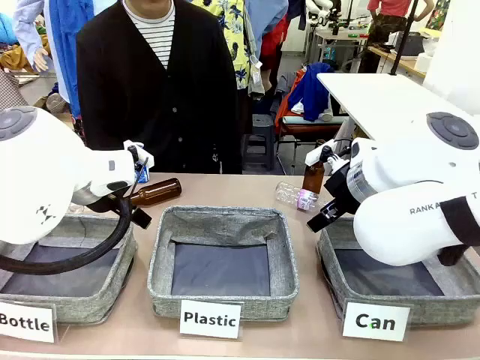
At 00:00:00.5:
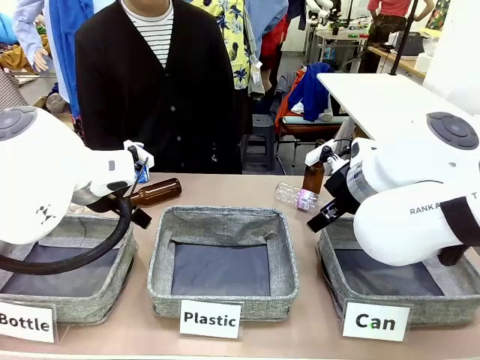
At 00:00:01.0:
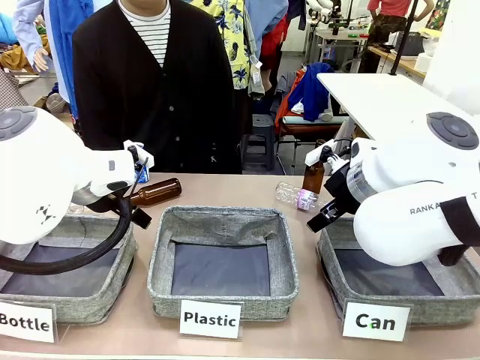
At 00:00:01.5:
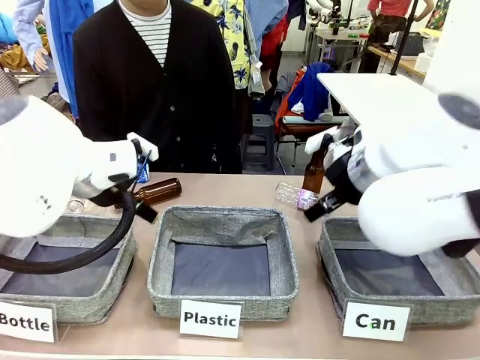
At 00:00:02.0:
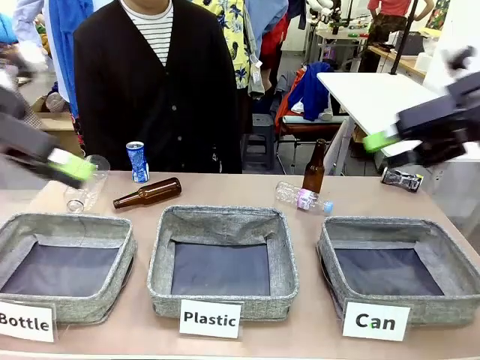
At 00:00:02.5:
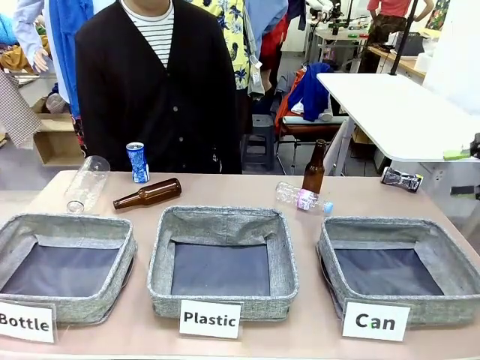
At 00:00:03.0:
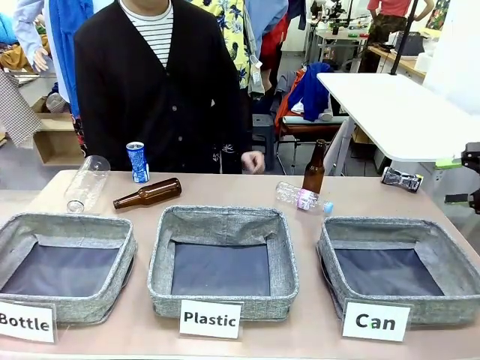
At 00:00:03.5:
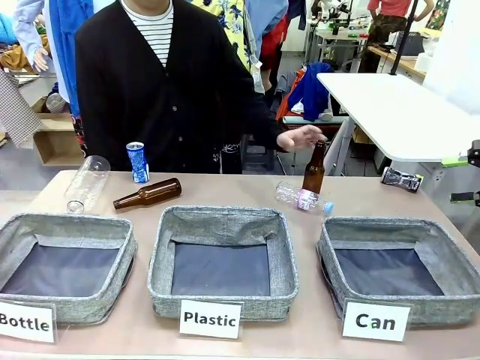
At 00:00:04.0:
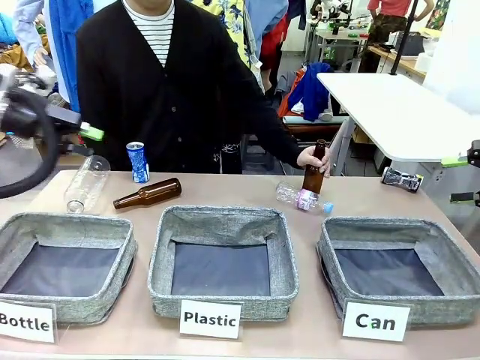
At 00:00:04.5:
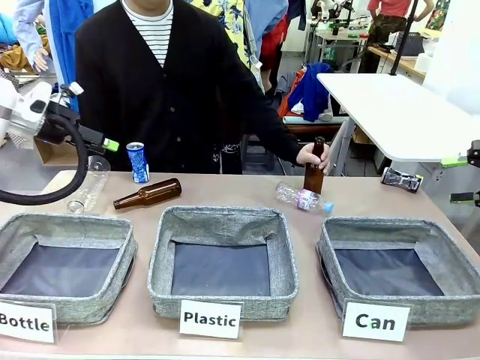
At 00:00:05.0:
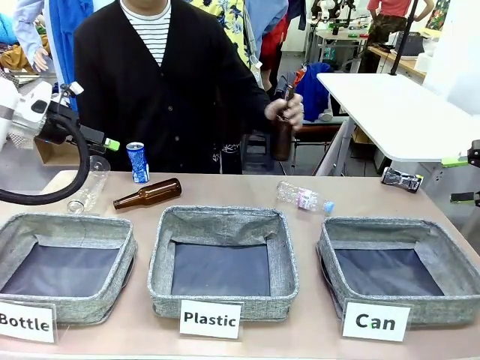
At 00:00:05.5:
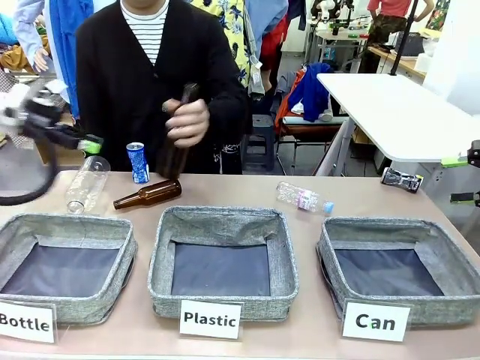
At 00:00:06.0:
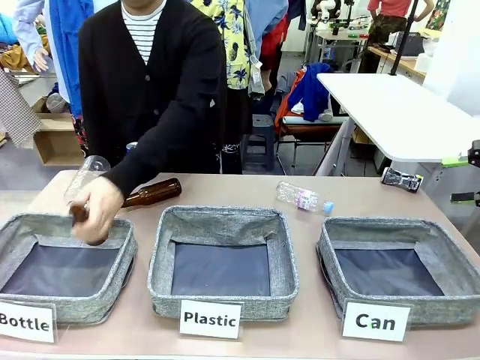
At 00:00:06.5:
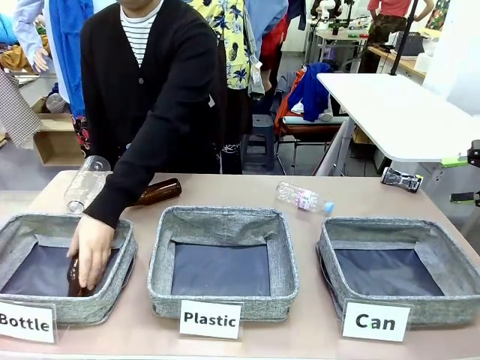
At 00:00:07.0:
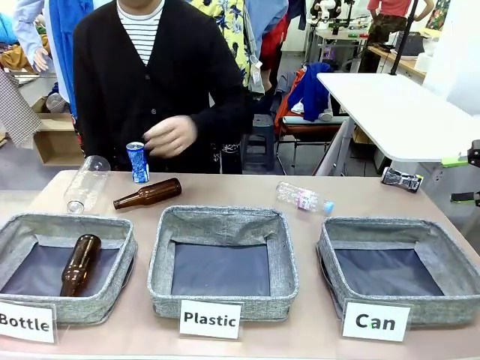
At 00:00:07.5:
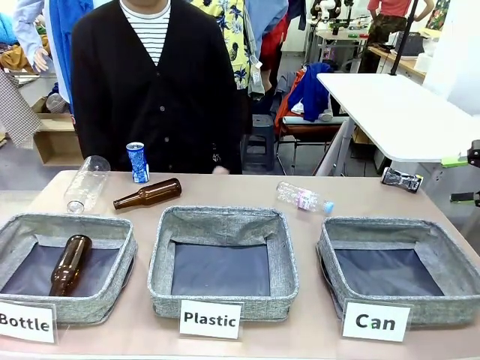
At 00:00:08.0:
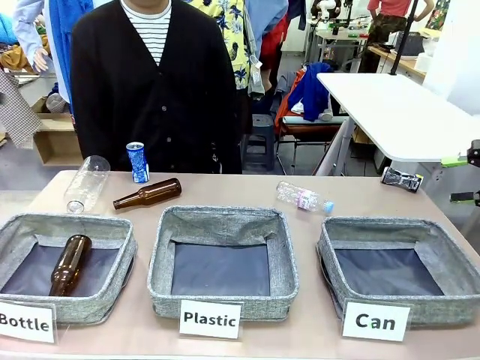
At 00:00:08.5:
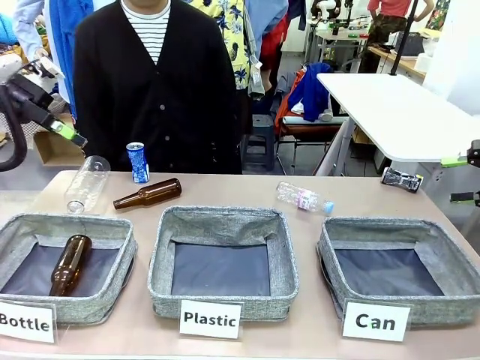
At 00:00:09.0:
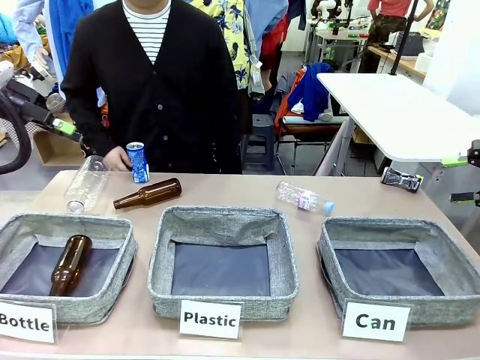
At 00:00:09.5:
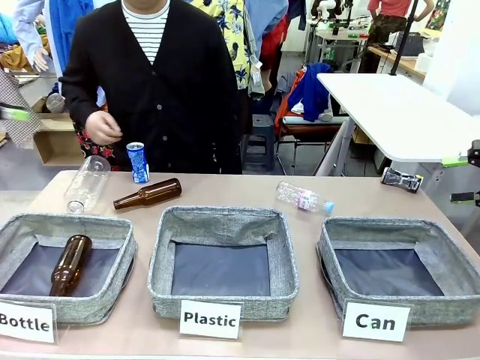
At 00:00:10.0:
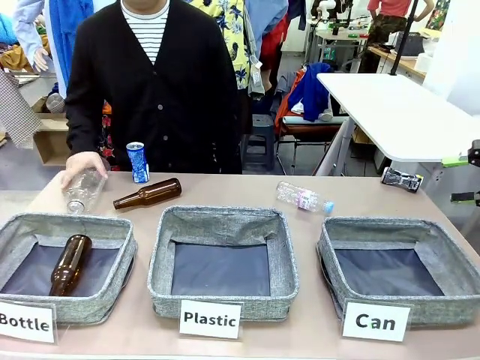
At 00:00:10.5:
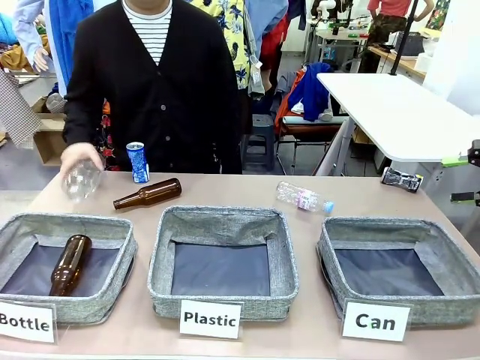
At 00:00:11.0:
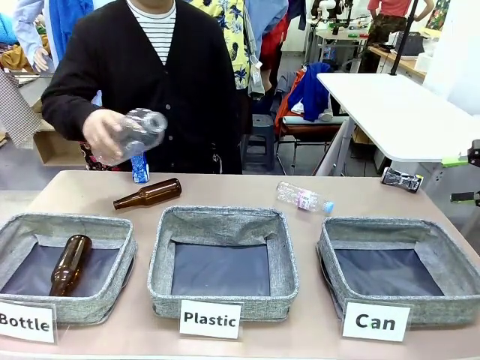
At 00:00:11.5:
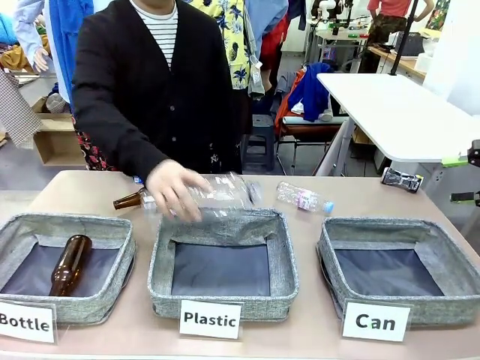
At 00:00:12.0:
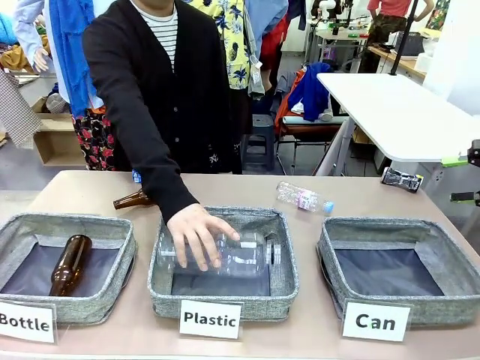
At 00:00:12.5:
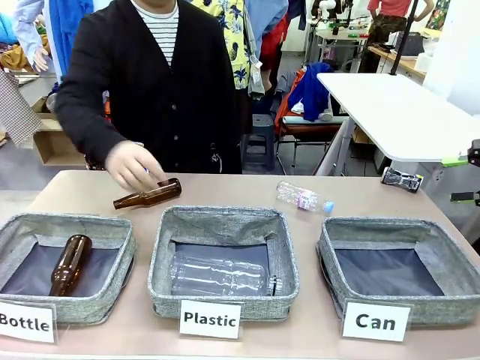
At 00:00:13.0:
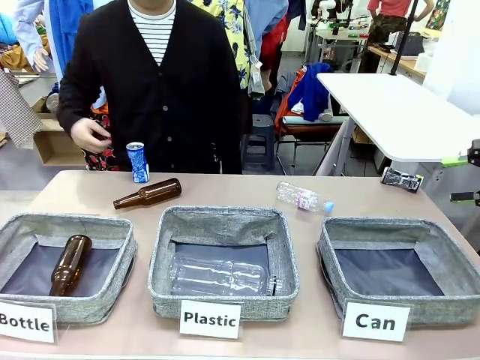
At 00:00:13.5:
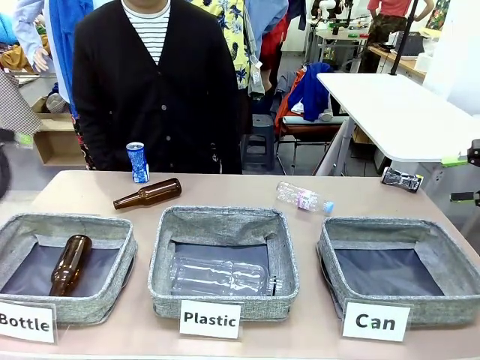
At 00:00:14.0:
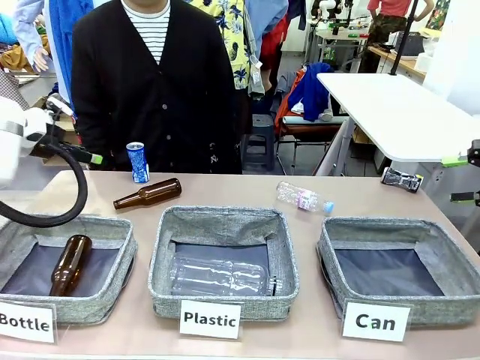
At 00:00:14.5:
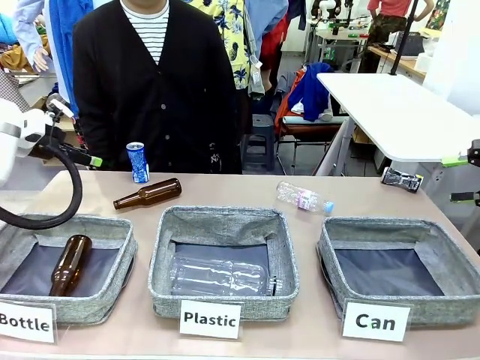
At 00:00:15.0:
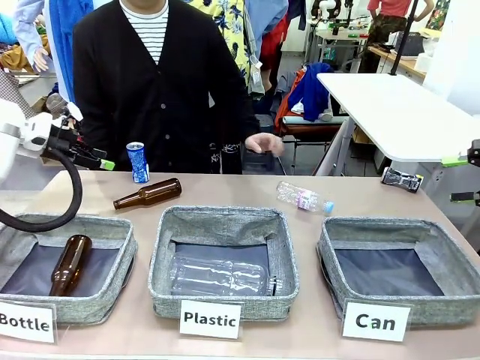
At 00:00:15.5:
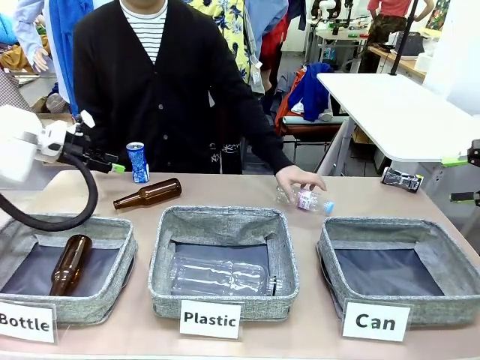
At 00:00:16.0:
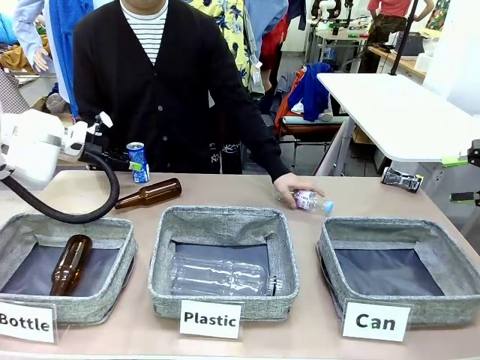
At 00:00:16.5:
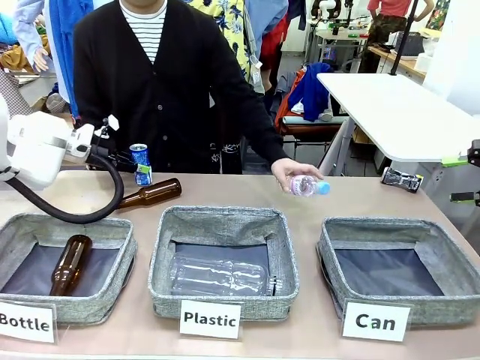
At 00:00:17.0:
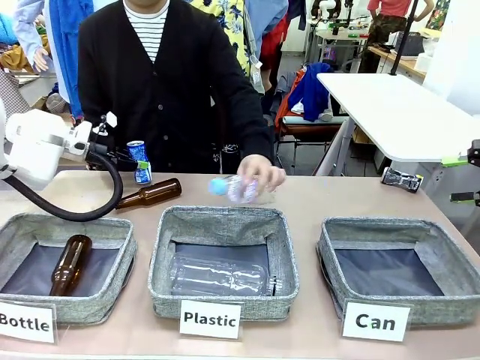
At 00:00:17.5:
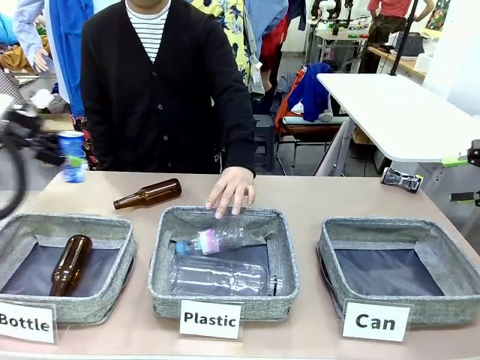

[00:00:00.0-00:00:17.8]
Task: Sort the can waste into the basket.
Robot: Pick up the can waste from the table and place it in the right Fabric basket.
